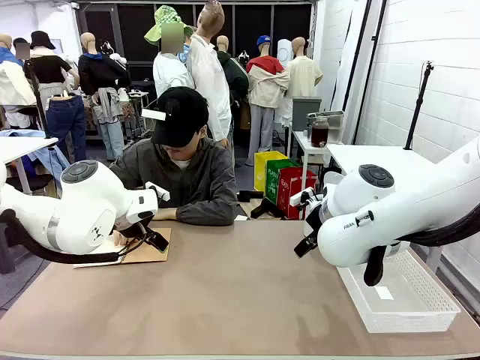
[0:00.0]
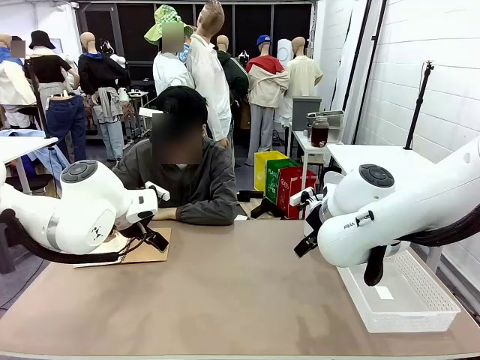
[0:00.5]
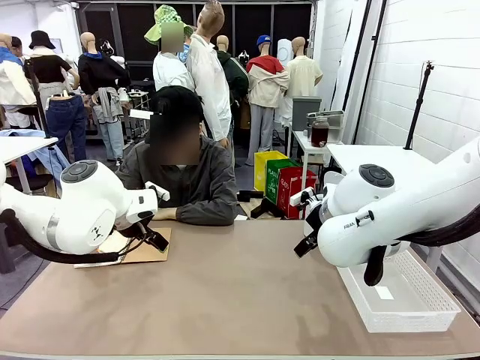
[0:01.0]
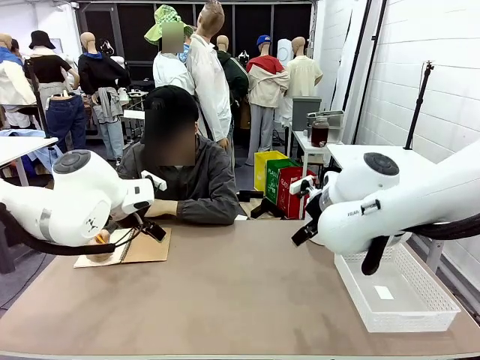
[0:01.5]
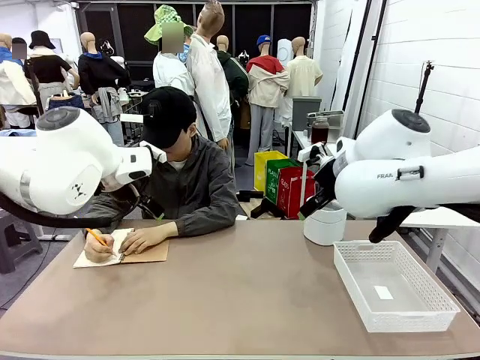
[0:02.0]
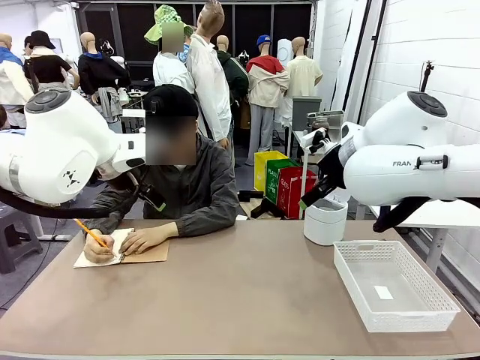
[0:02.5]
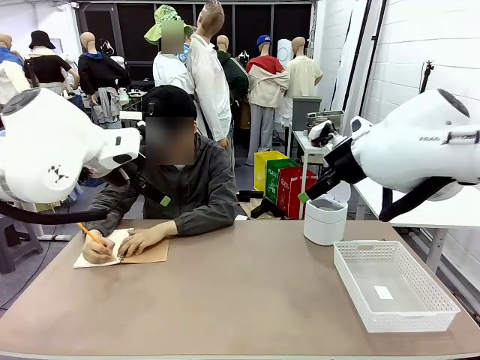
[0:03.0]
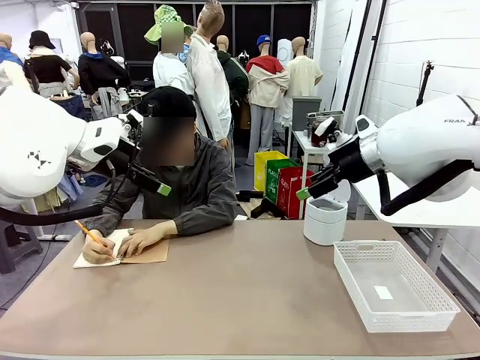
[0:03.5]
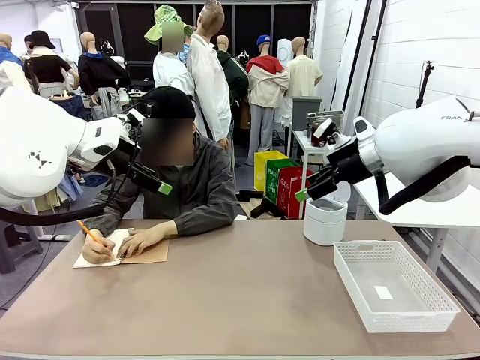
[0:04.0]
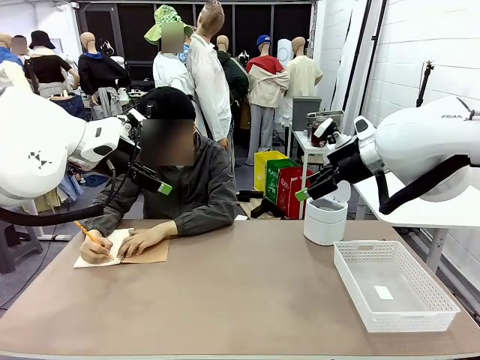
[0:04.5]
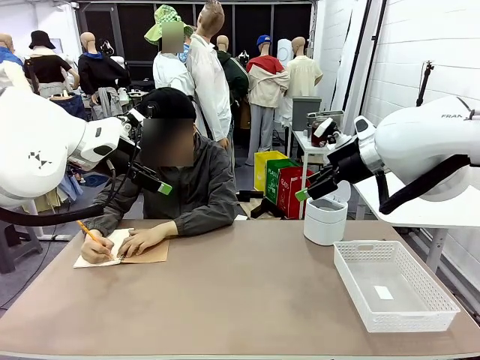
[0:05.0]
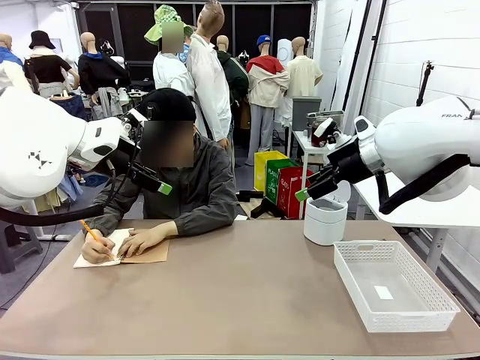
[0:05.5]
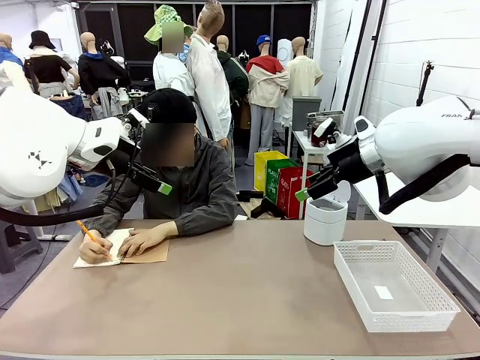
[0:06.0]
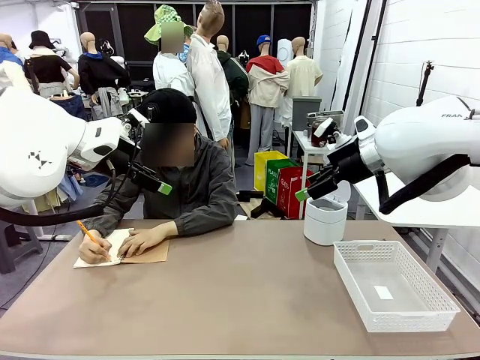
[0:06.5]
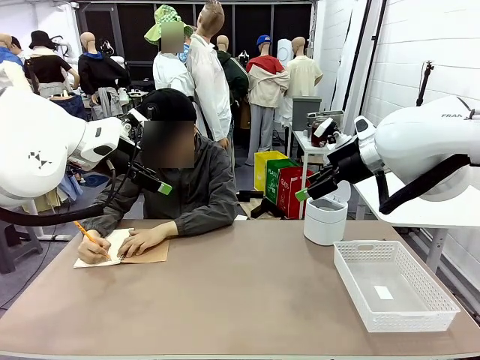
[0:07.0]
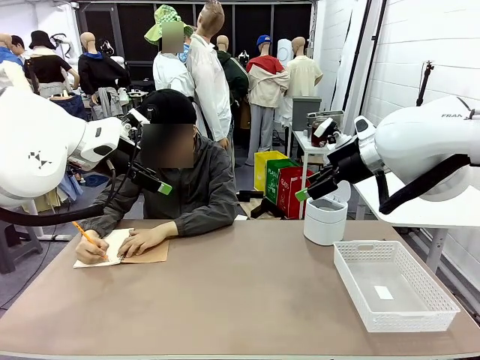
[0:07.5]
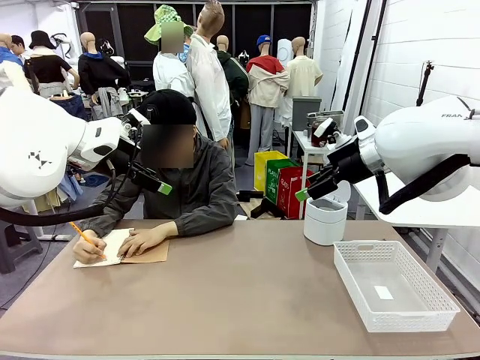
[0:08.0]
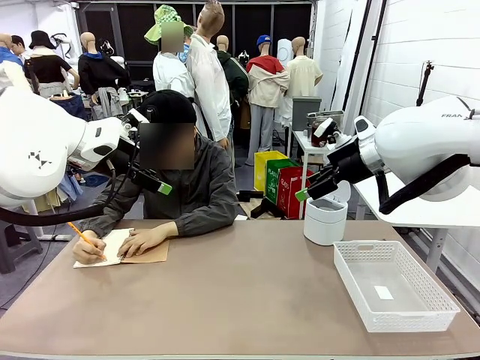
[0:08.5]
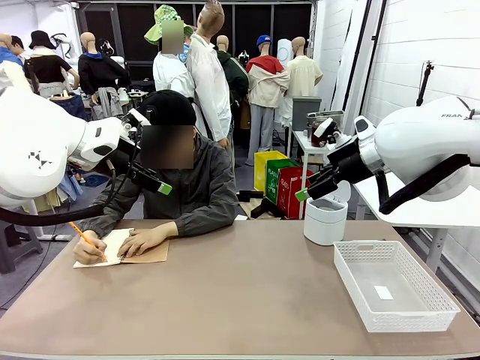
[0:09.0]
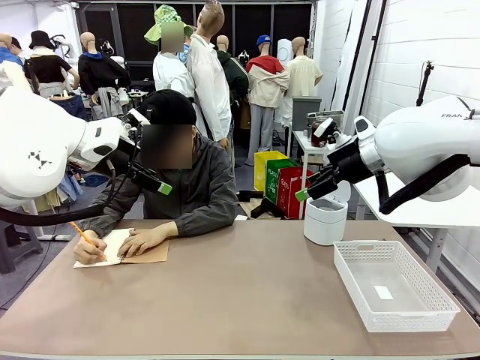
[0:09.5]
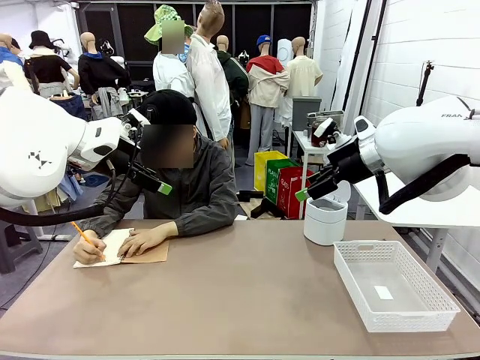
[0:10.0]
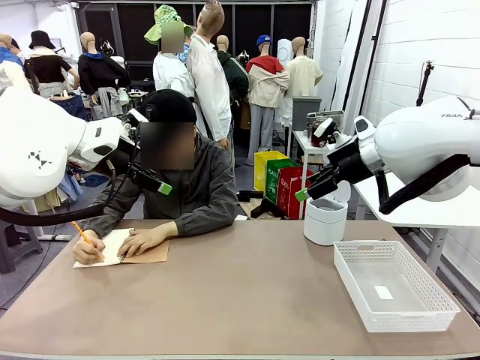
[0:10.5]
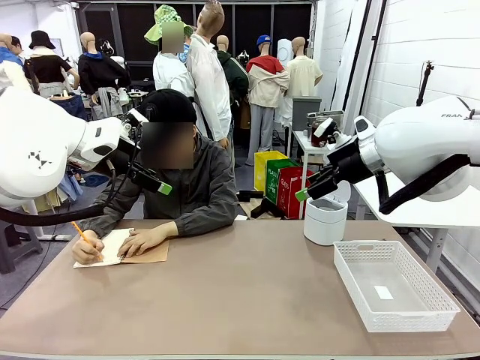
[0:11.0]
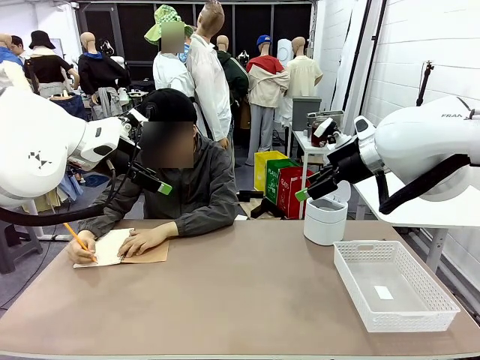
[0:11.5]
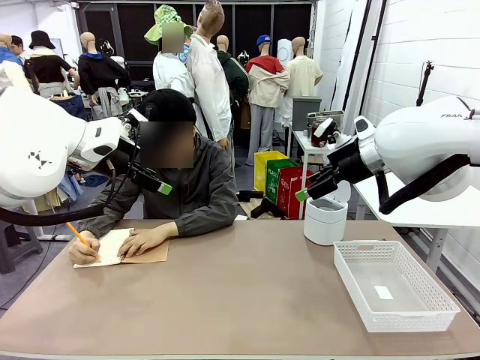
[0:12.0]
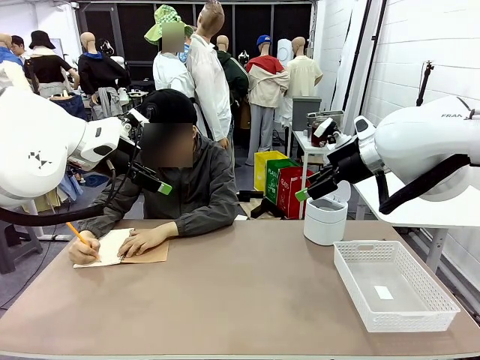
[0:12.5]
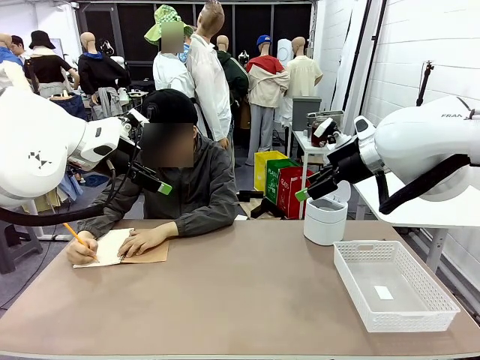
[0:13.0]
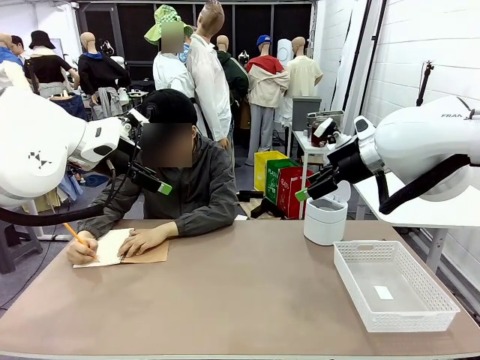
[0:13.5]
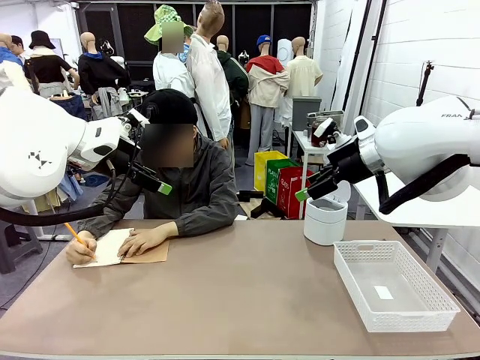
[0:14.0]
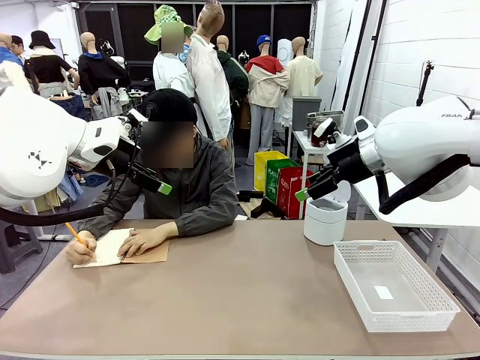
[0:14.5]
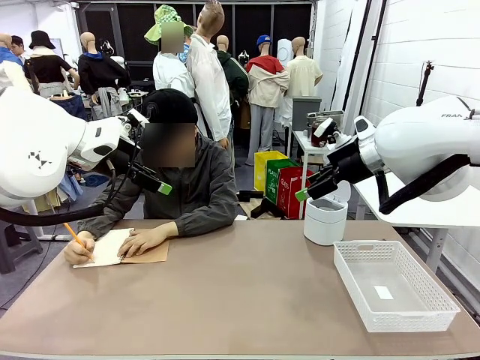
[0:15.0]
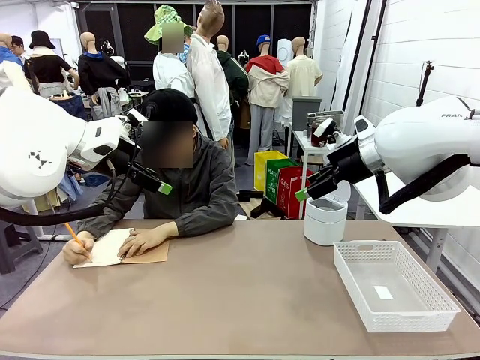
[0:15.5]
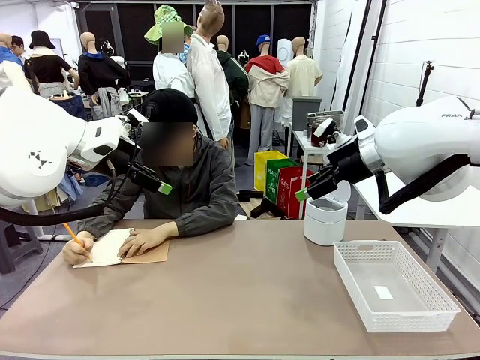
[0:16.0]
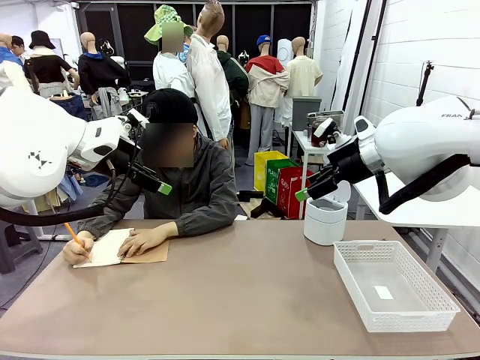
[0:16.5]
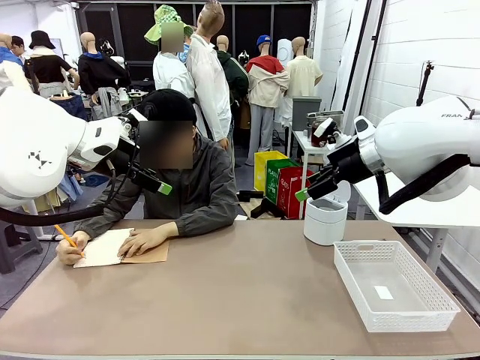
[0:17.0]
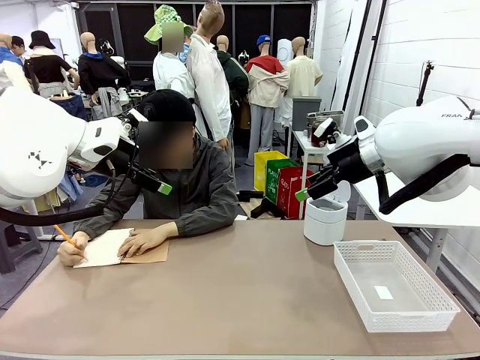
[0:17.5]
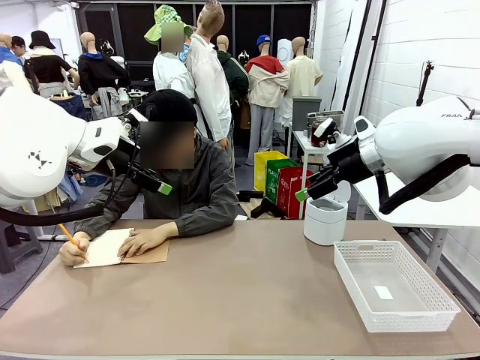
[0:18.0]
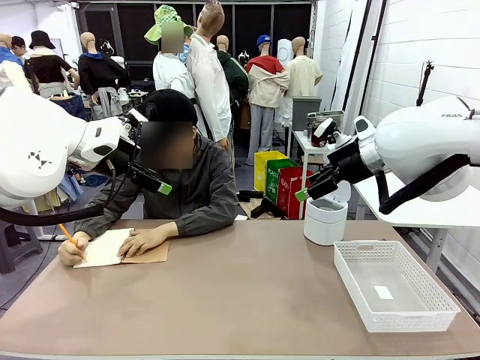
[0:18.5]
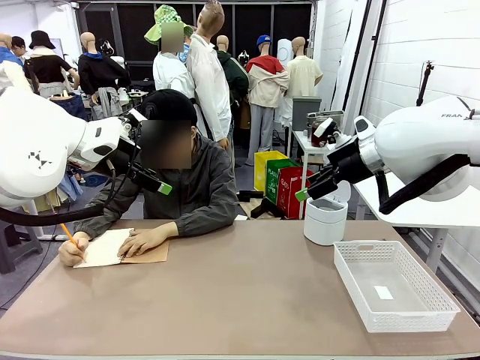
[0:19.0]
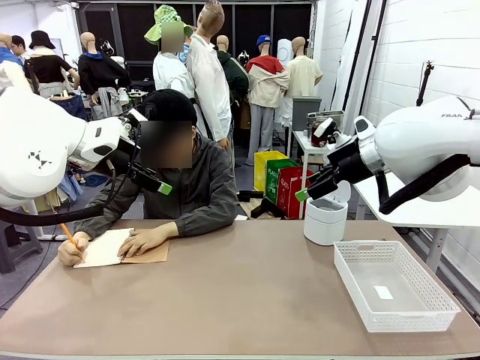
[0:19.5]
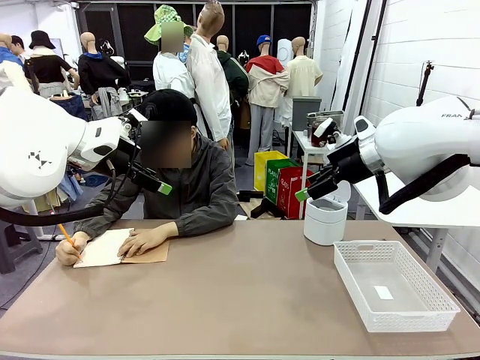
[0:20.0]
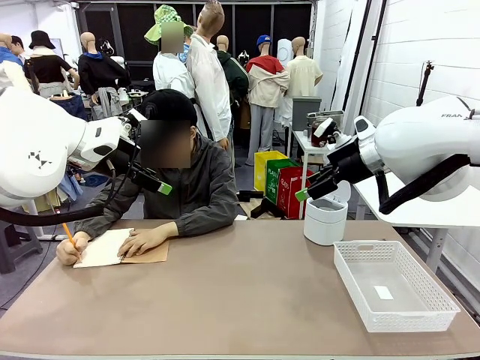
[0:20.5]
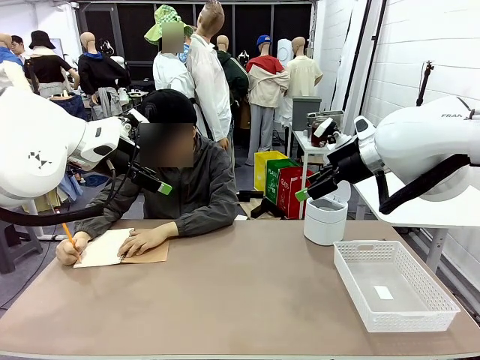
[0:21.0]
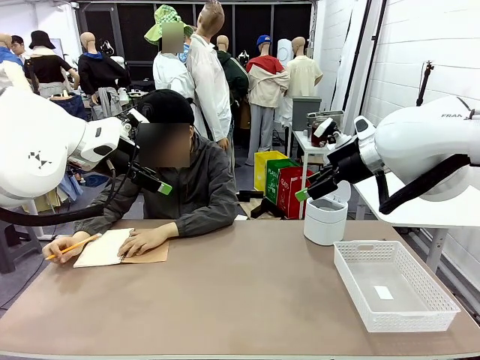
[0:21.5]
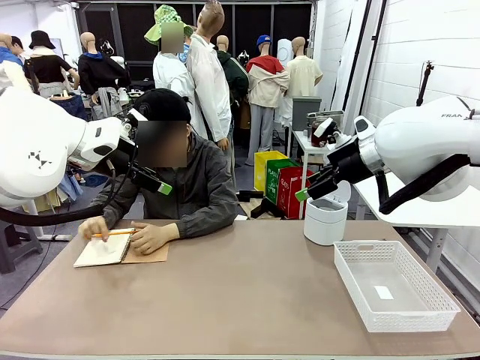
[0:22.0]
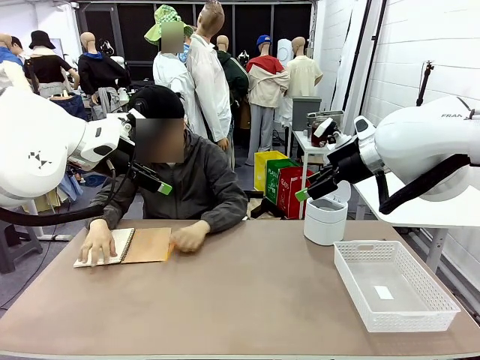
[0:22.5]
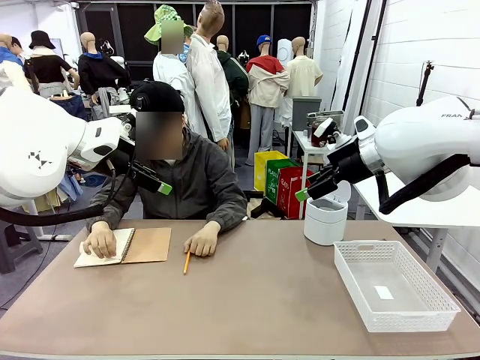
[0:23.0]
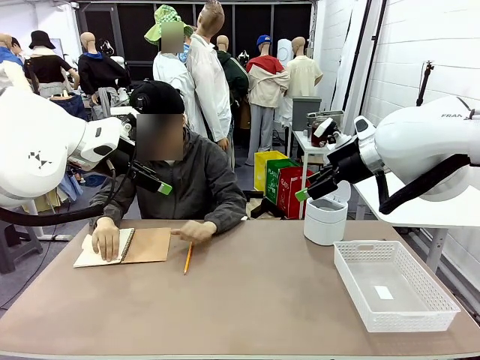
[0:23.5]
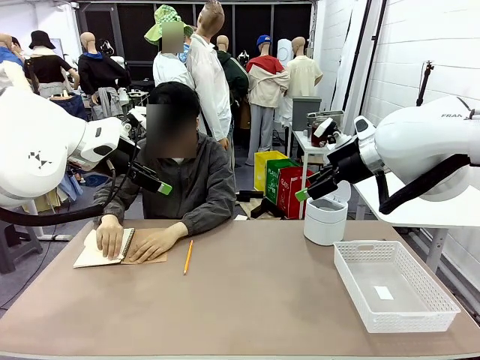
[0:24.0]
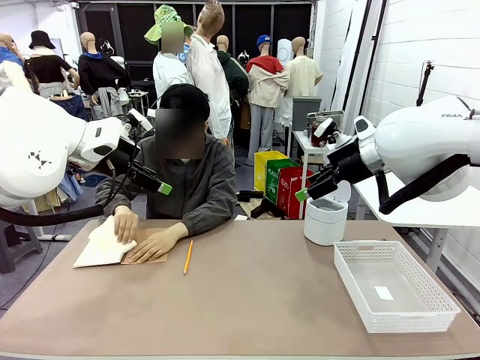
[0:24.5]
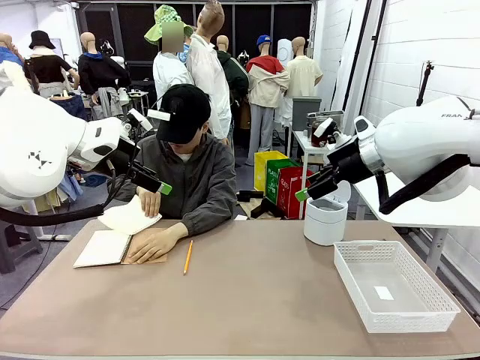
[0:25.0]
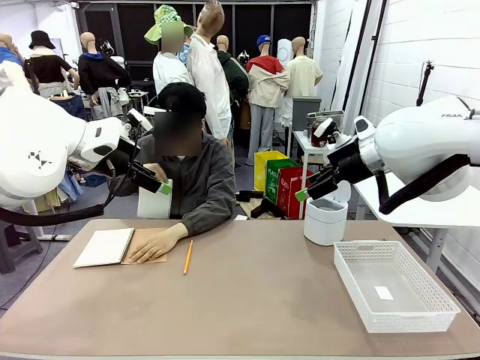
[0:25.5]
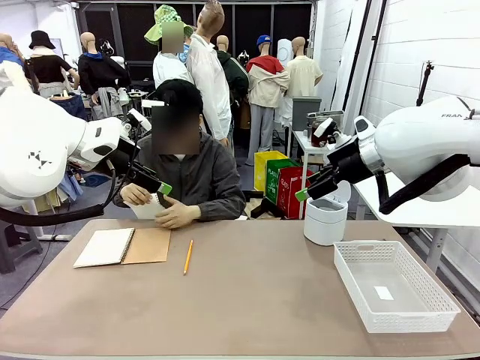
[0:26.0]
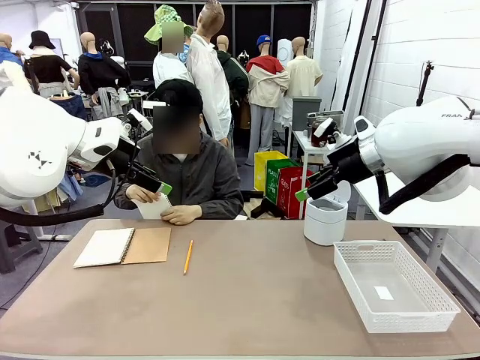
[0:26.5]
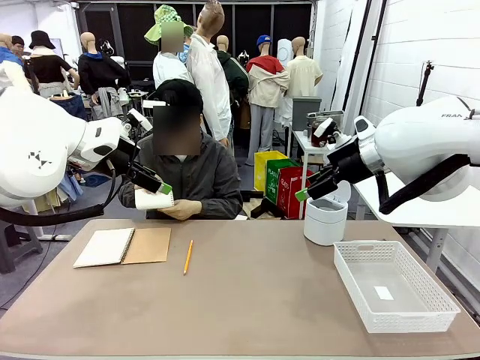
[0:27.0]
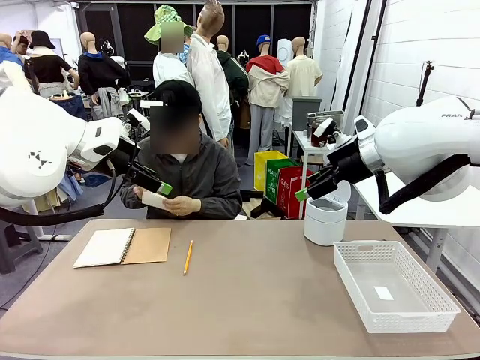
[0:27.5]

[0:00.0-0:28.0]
Task: Sort the paper based on its condition.
Robot: If a person hands you a paper, place it in the Organizing basket , and if it's crumpled, put it in the Trash can.
Person: Tear out a page from the spiral notebook.
